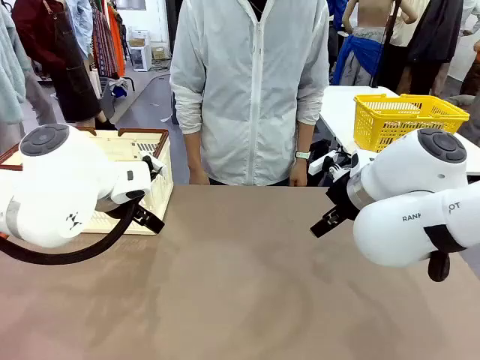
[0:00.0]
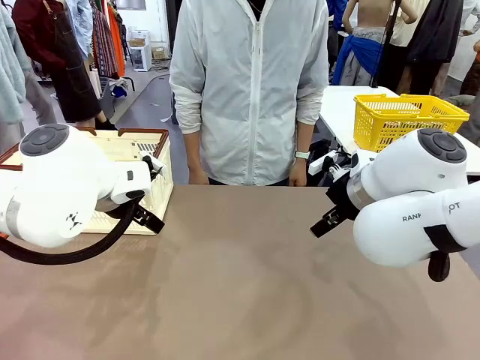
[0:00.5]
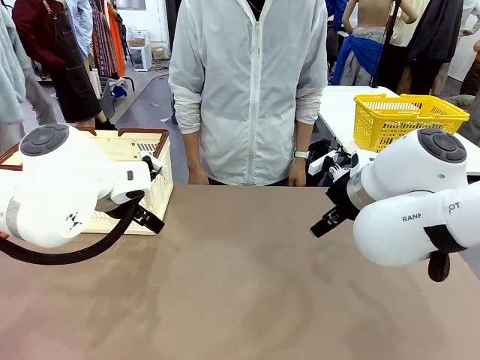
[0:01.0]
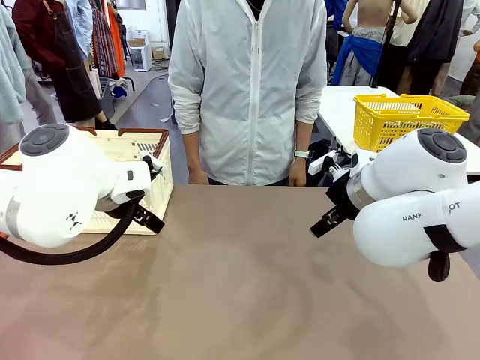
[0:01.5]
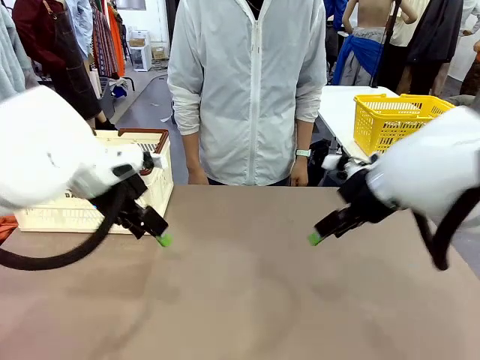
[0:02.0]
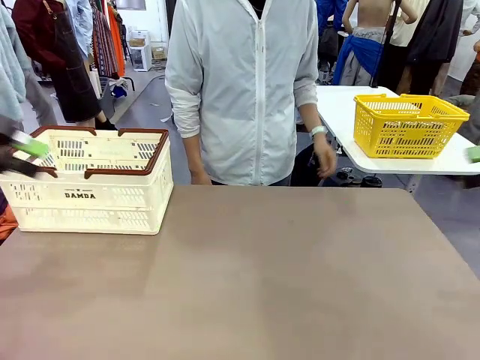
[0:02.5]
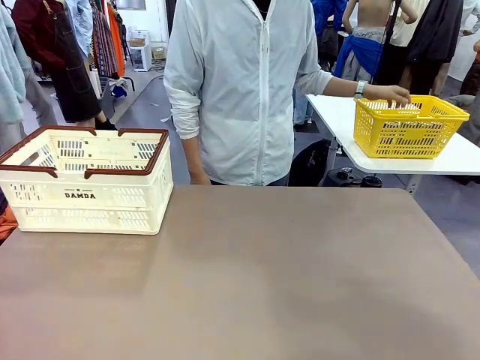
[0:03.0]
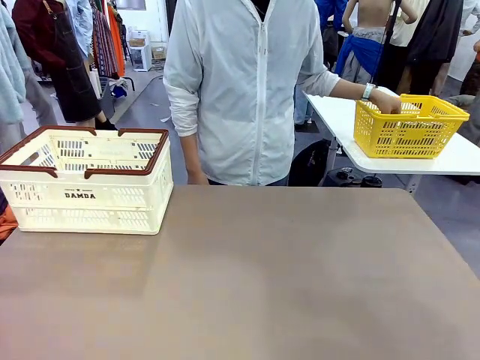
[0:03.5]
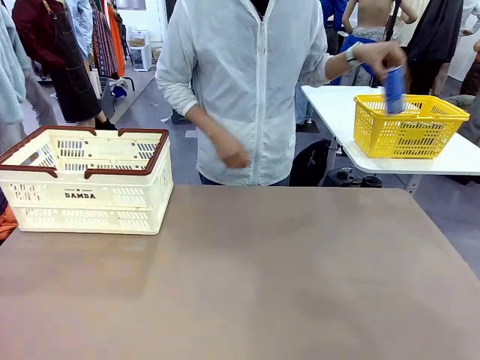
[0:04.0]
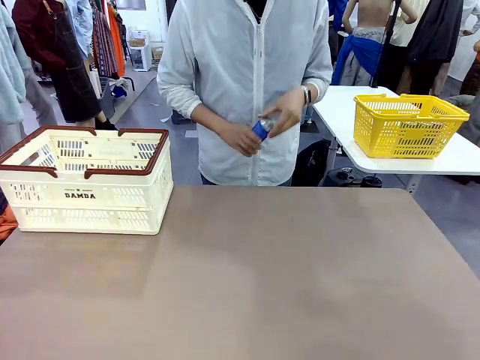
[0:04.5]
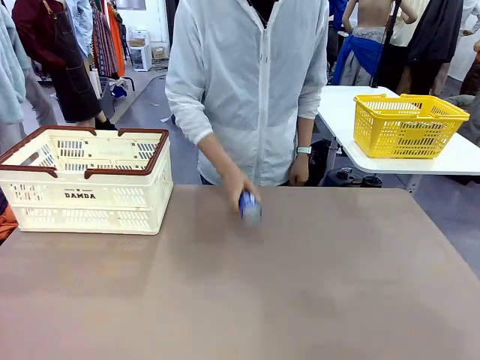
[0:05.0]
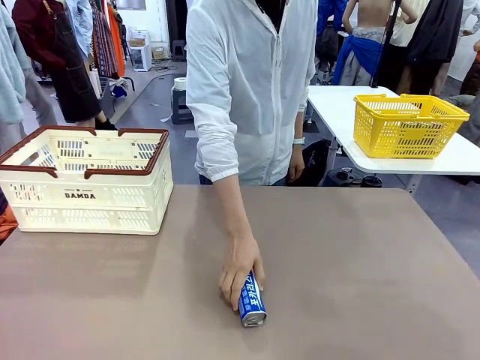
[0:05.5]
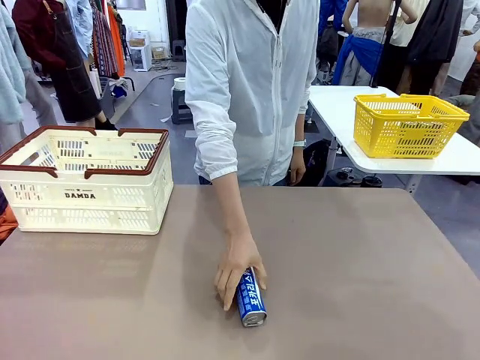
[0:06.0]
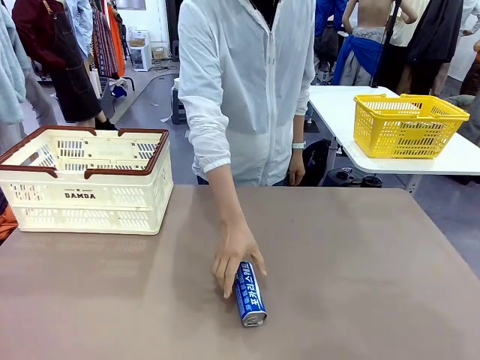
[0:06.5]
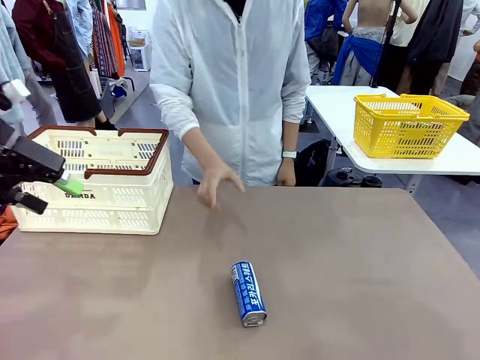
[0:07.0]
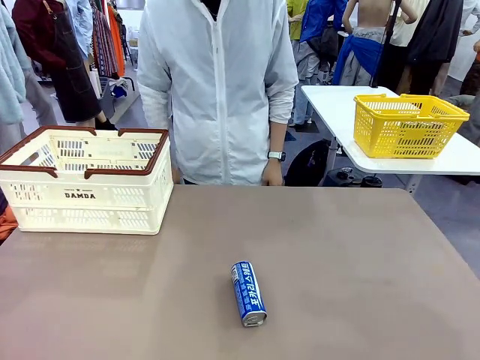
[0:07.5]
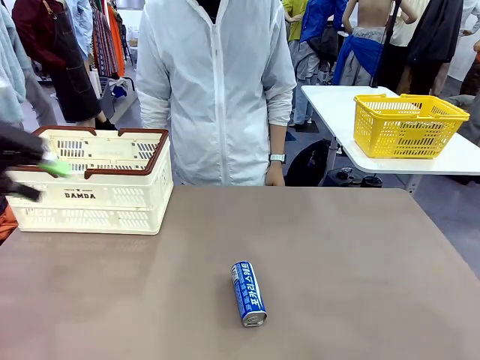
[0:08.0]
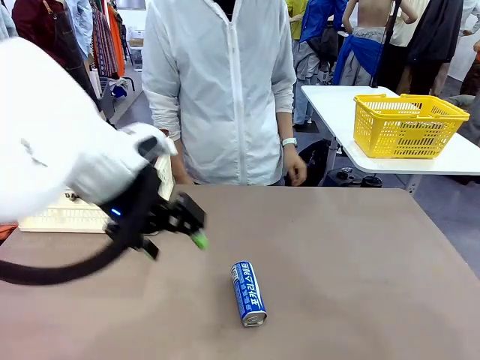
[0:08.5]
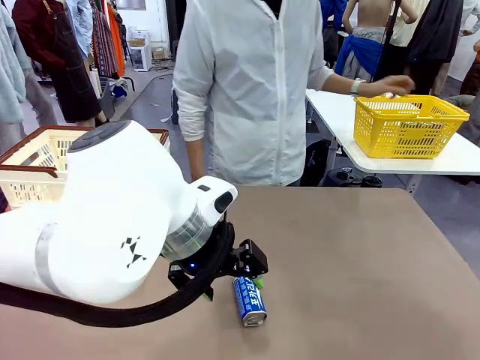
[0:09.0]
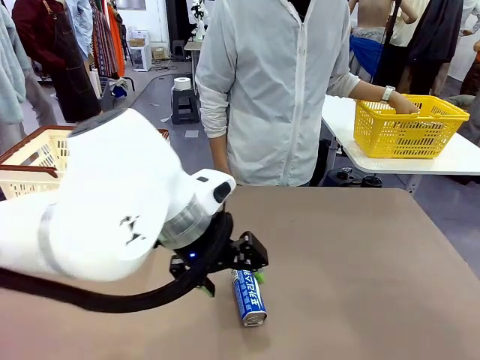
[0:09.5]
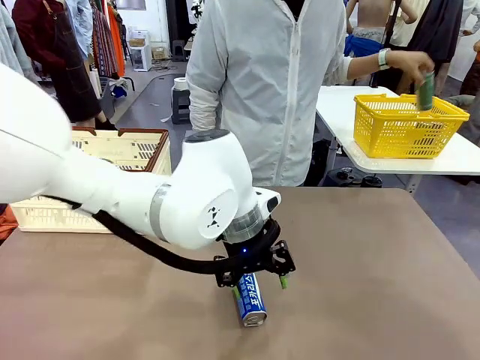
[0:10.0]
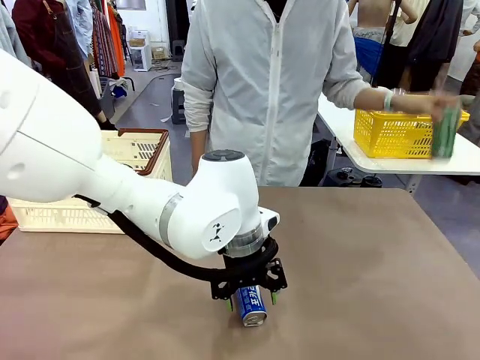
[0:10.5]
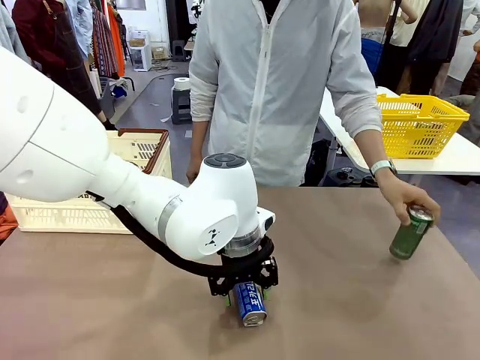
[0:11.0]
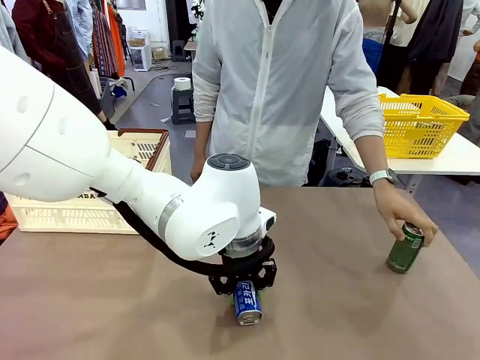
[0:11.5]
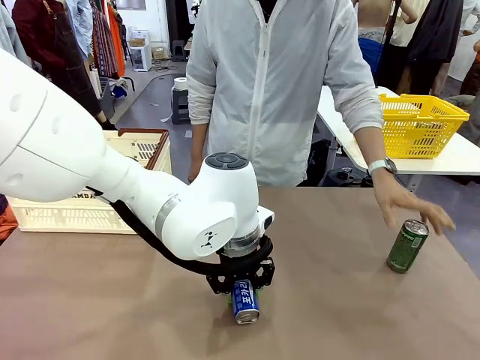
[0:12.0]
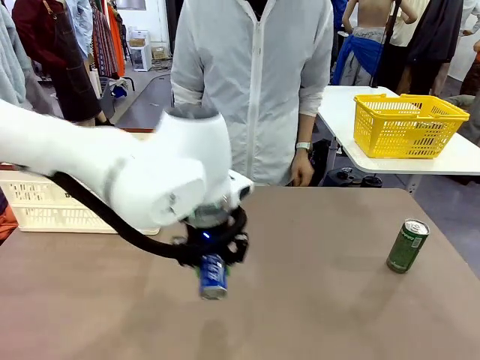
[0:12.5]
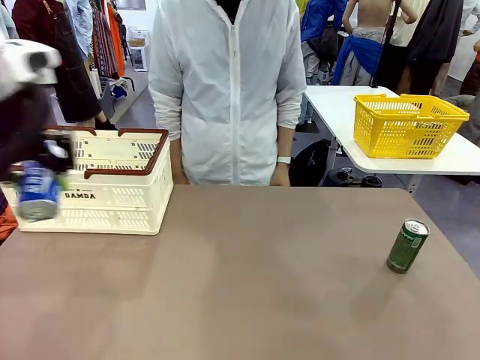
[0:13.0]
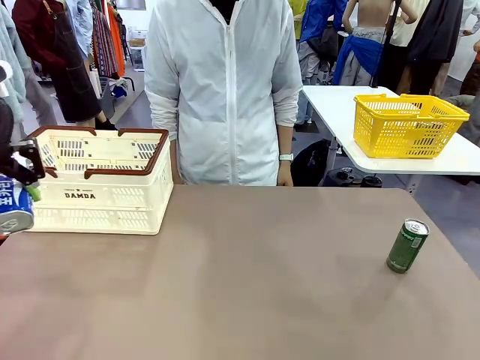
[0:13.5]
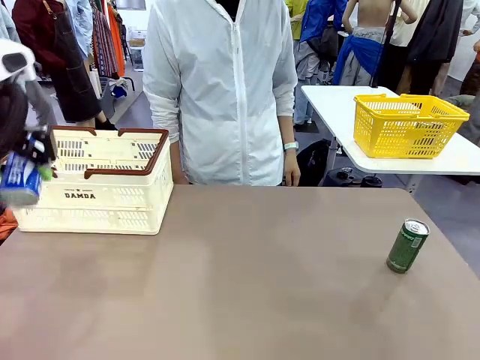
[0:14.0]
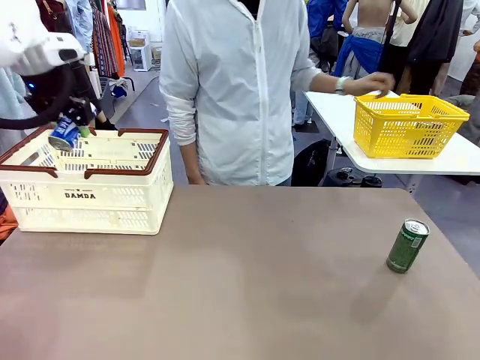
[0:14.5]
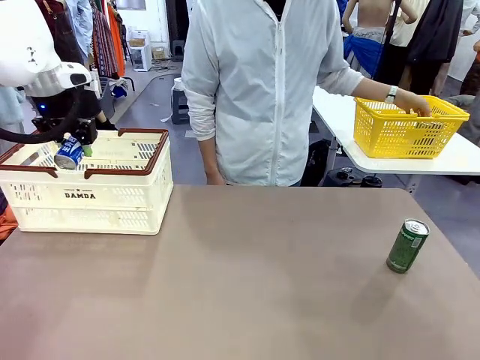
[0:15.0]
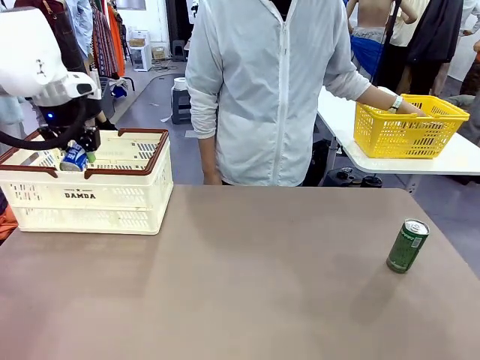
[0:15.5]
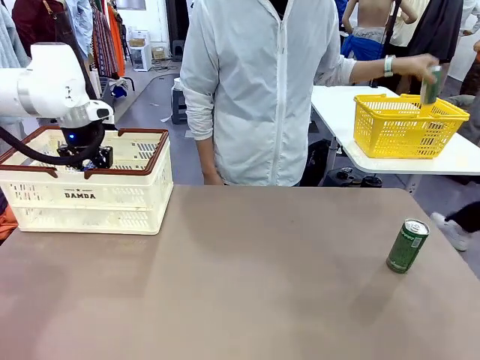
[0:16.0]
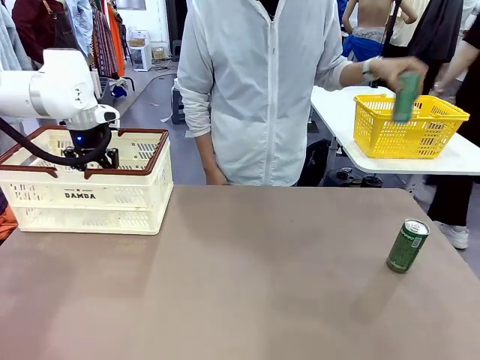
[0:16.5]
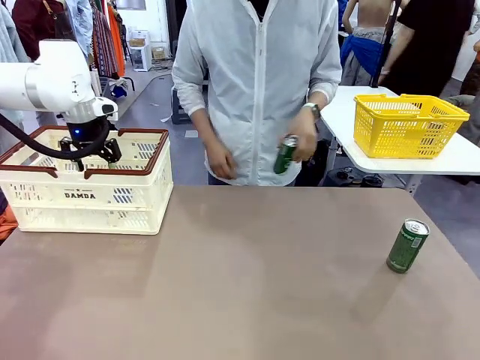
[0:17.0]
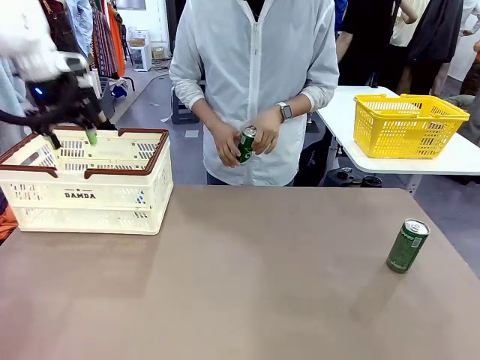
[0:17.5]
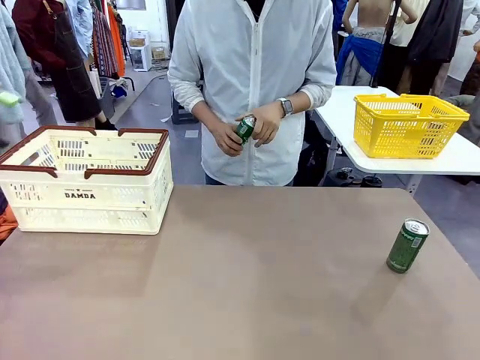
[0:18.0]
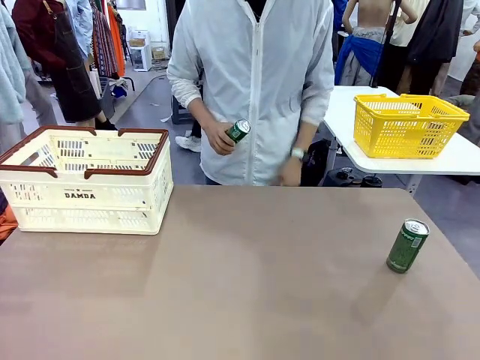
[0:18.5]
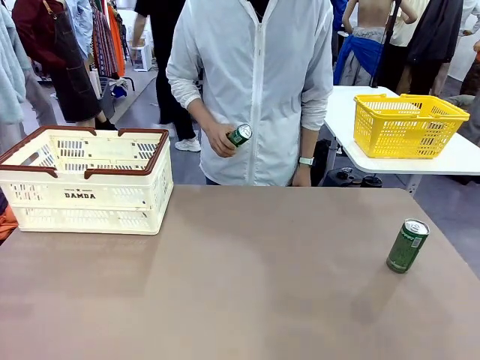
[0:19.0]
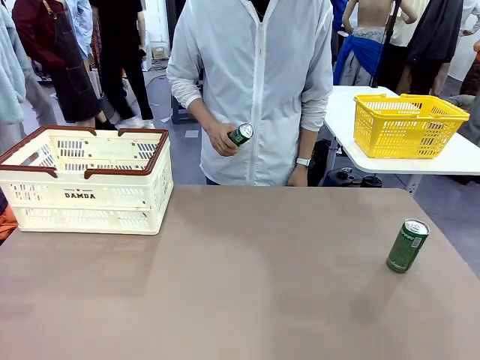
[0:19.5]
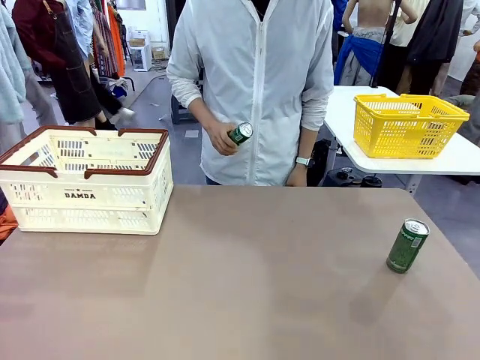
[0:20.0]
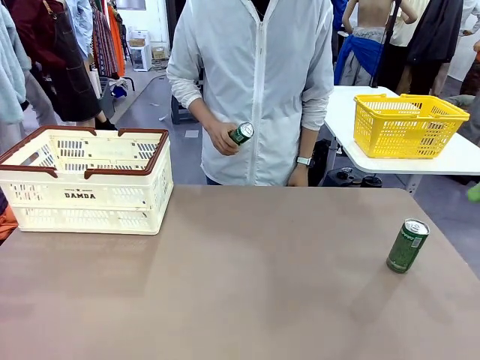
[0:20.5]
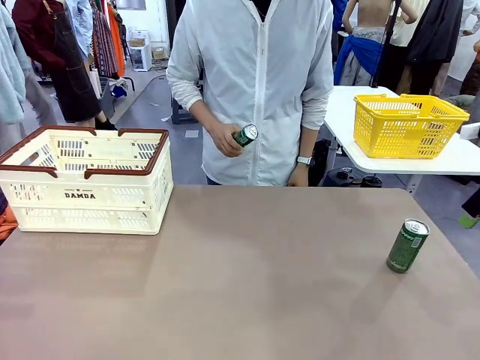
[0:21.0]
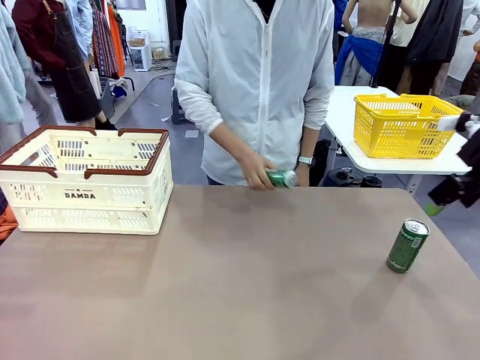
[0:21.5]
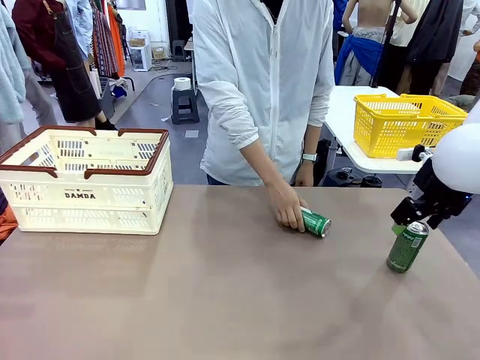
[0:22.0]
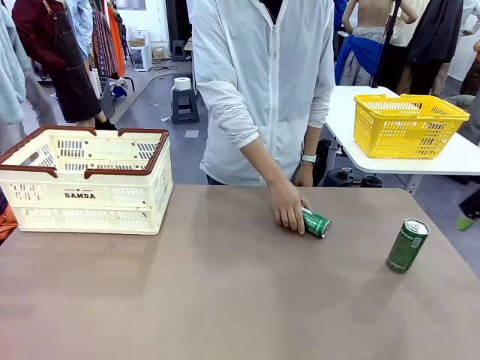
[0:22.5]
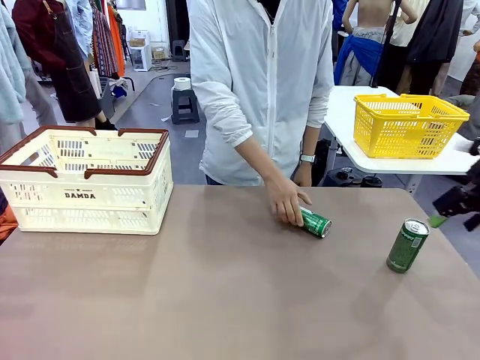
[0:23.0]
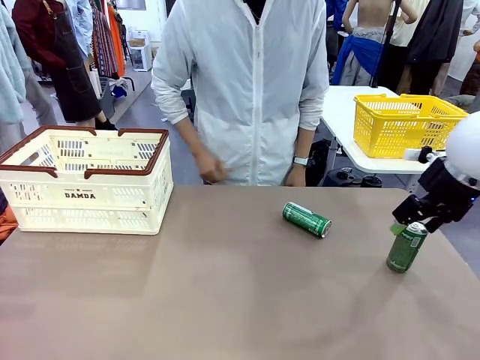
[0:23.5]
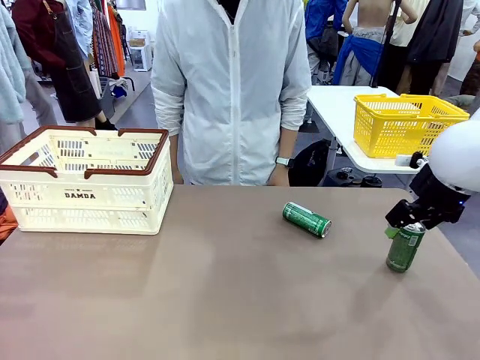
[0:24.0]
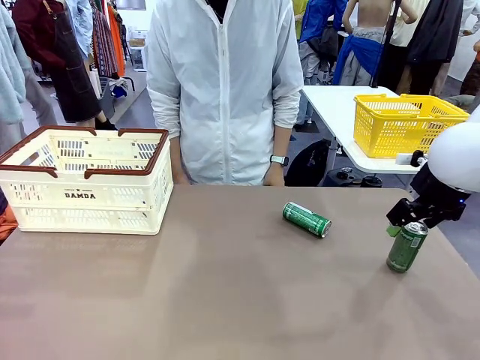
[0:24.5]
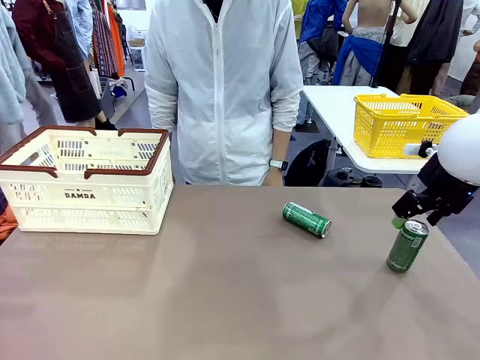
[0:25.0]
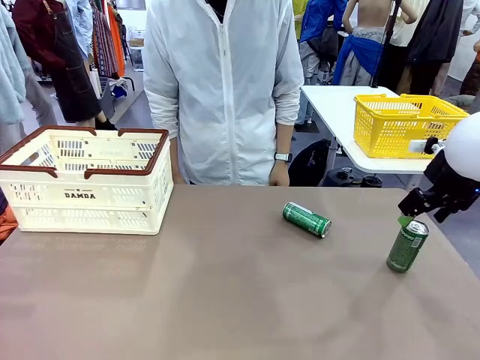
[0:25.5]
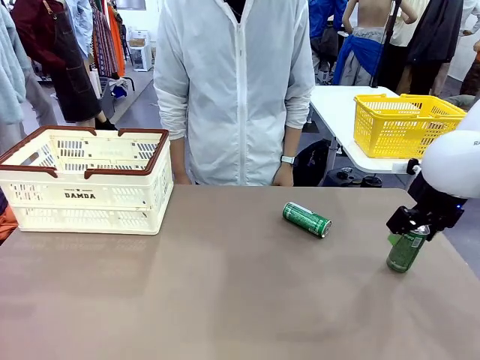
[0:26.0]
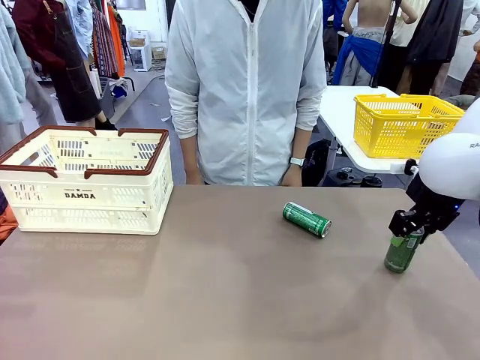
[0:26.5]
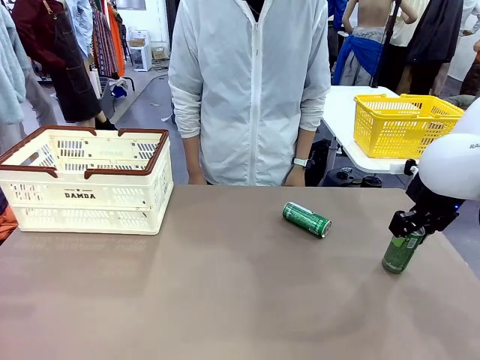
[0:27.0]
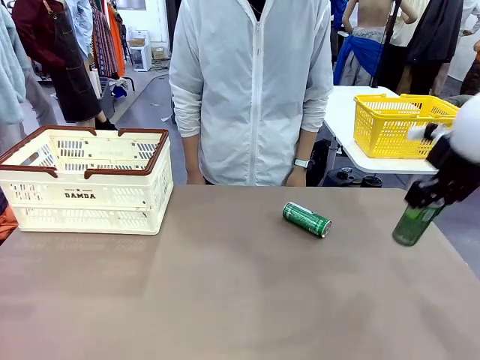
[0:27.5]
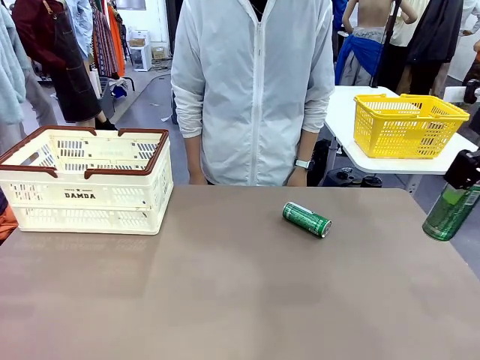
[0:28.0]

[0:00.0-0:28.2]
Task: Place the drinks into the Shopping basket.
Robot: Pick up one drink and place it into the Shopping basket.
